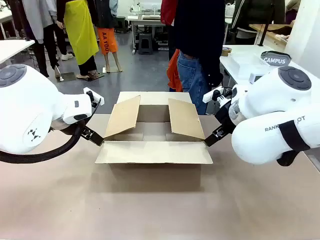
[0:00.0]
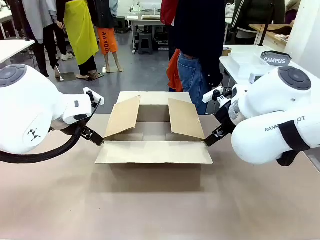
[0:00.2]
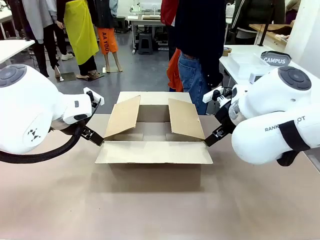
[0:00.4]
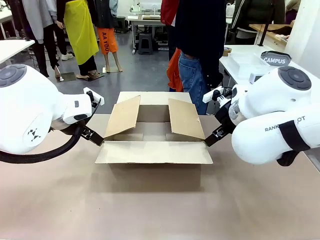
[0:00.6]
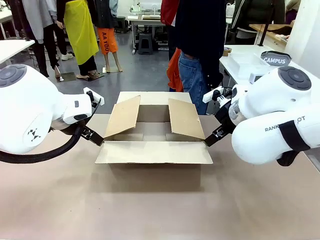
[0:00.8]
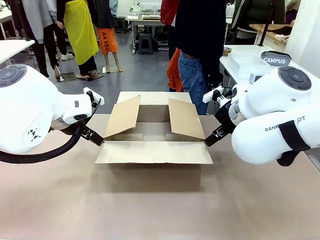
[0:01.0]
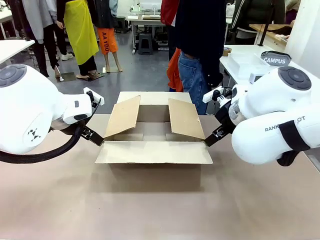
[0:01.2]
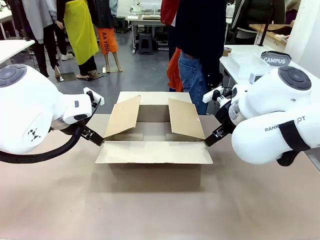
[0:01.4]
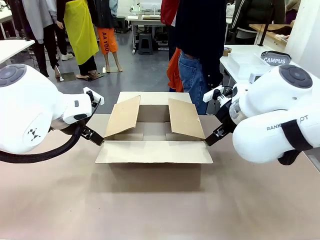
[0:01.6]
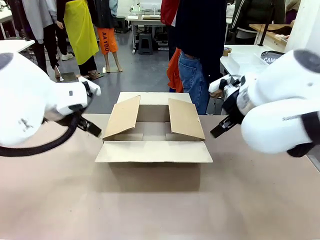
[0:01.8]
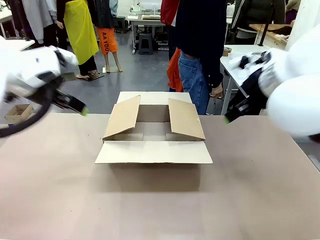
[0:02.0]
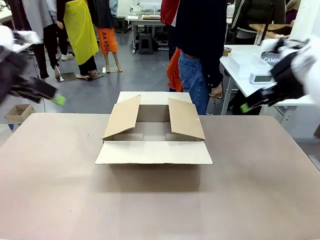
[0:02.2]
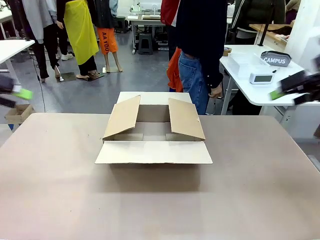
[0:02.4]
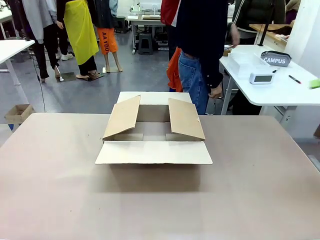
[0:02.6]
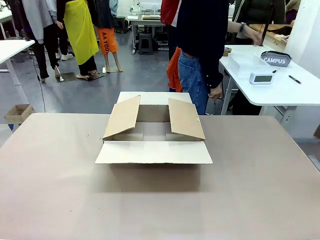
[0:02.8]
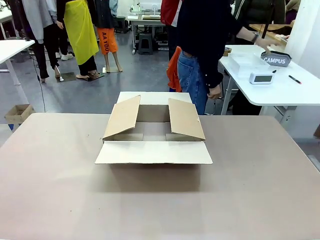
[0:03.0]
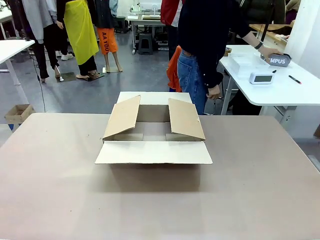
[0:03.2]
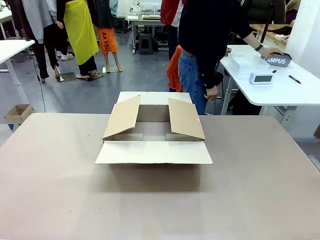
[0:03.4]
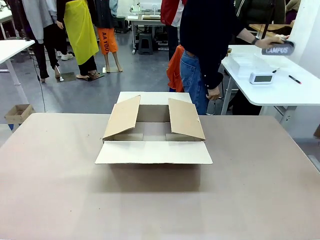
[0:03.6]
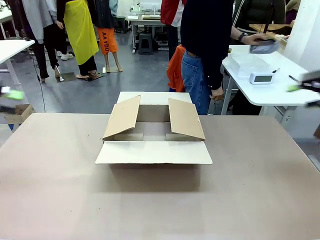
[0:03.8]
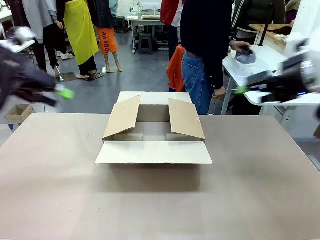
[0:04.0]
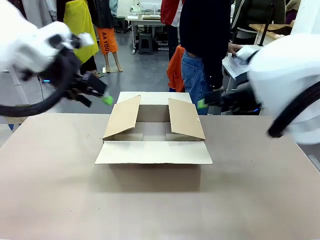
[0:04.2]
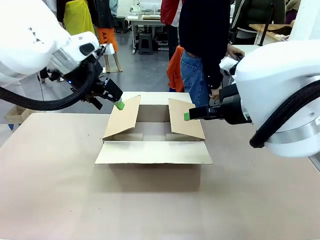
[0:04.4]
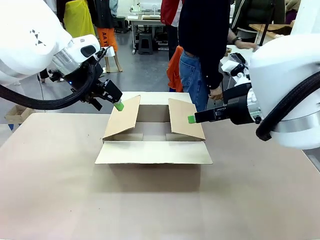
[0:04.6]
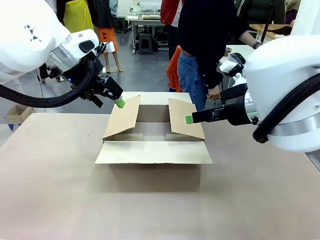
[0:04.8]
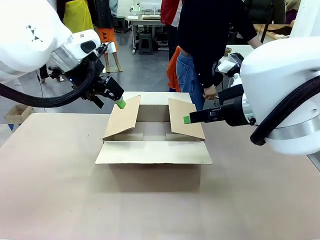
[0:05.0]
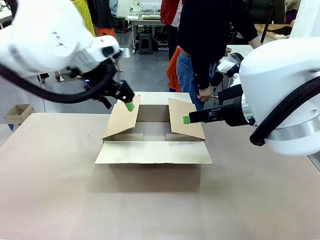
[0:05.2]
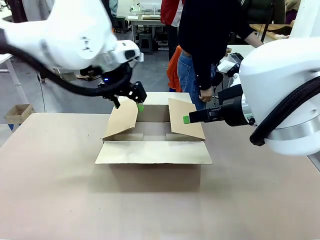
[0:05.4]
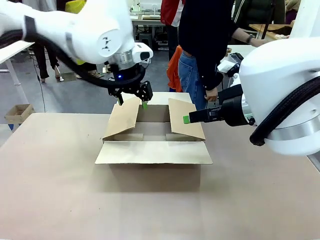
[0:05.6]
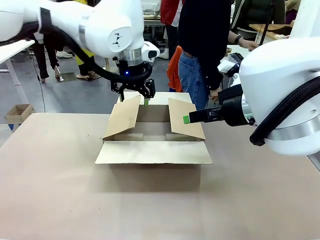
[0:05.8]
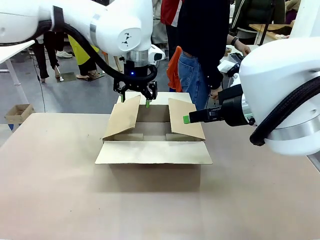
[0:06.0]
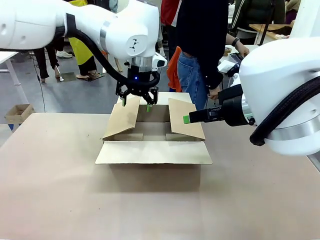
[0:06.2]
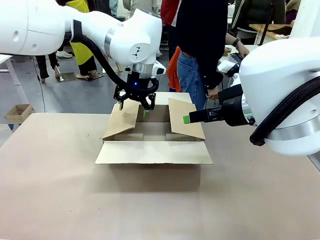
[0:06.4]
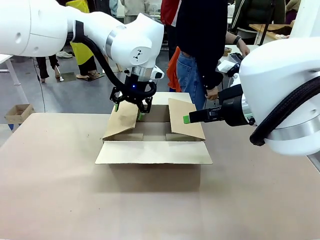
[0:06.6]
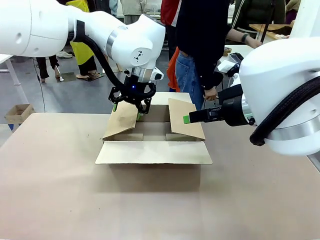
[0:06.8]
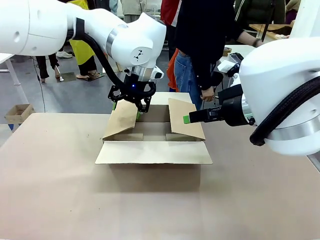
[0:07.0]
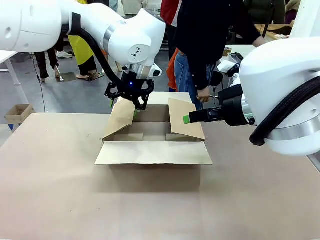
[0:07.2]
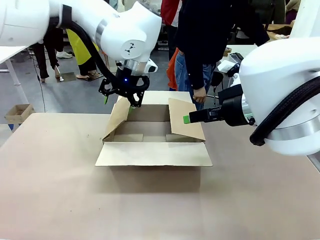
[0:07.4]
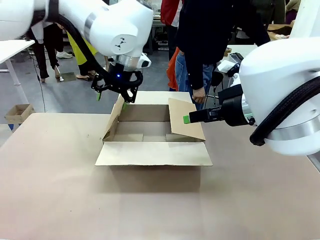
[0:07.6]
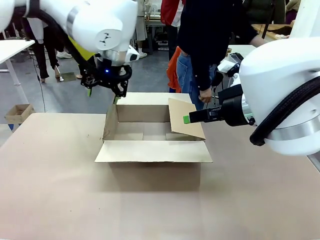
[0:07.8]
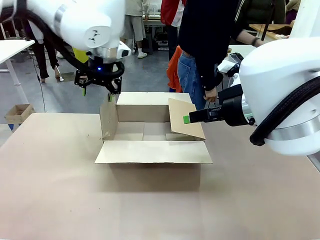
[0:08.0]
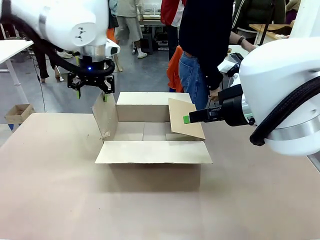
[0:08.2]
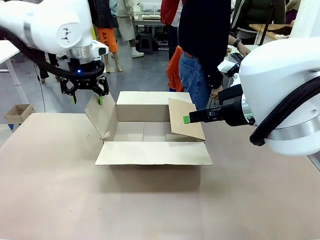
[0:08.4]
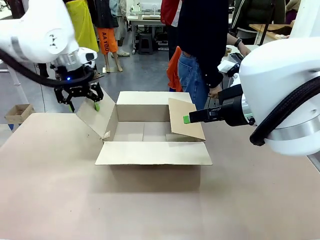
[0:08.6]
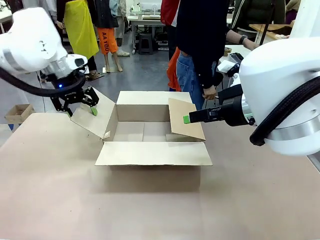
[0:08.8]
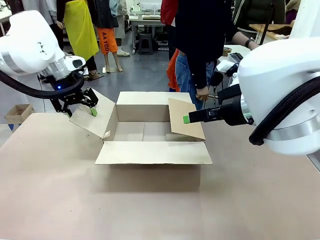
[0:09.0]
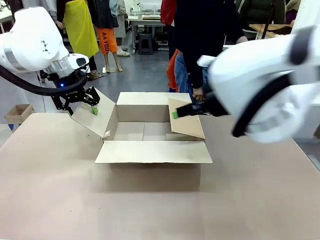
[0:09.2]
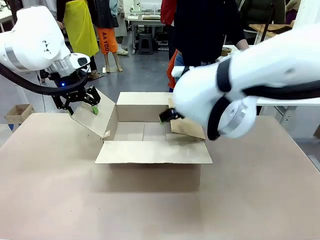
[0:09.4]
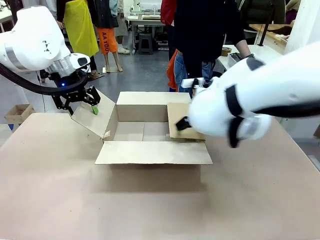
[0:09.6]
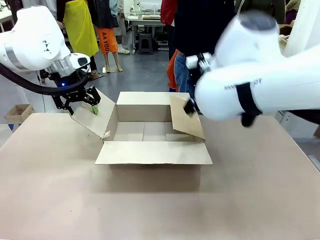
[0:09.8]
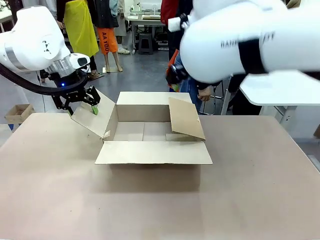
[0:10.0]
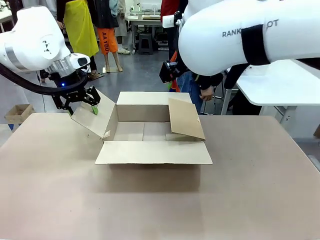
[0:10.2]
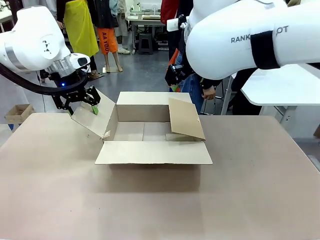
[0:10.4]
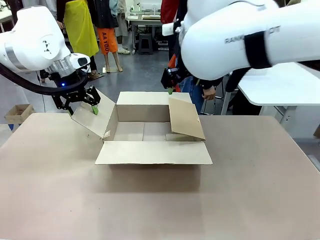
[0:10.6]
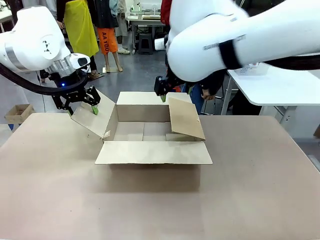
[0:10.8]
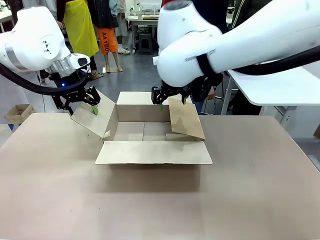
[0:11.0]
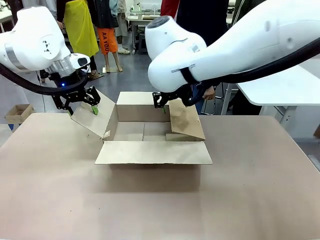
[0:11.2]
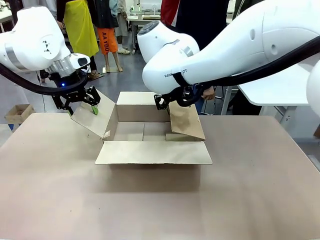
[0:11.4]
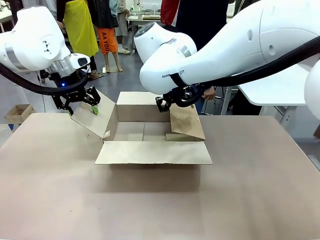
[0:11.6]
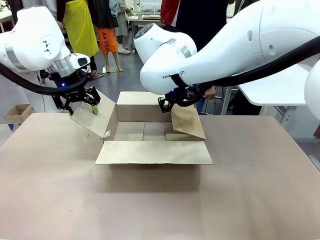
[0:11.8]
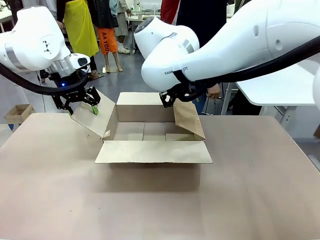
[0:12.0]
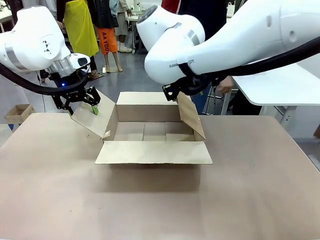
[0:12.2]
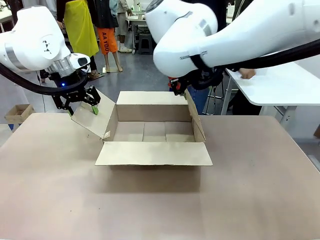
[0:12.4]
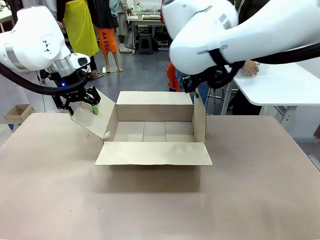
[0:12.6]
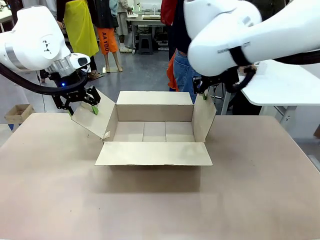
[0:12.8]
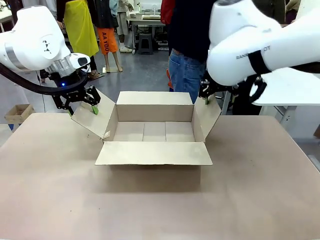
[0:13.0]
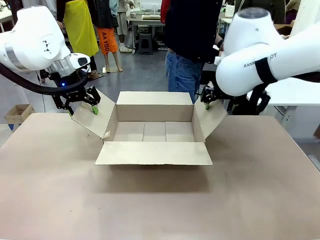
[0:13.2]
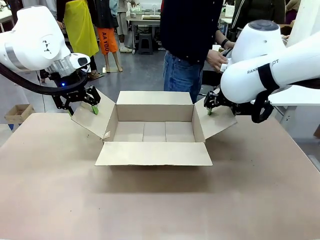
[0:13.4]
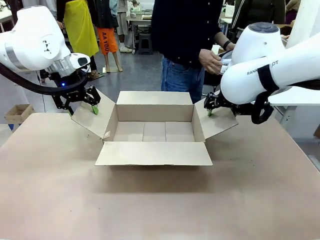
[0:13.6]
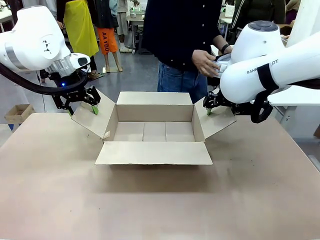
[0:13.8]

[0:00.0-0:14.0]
Task: Pack the gift set into the box.
Robot: Place both hands on the side flaps of the Package Box and spread them outward.
Person: The human places all items except the paper tape into the organizing basket.

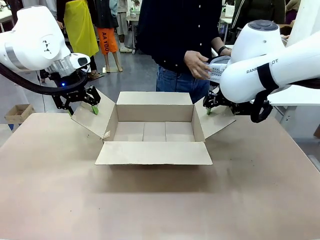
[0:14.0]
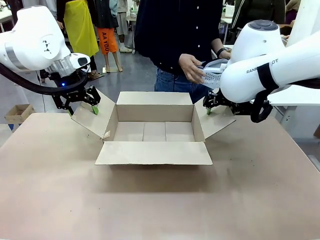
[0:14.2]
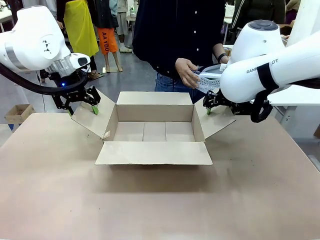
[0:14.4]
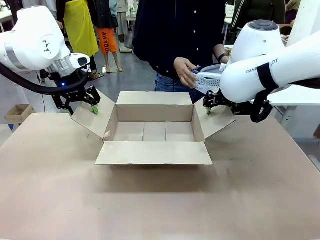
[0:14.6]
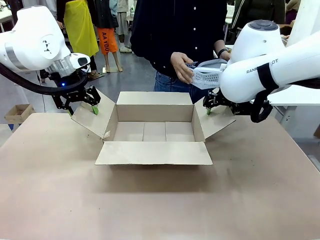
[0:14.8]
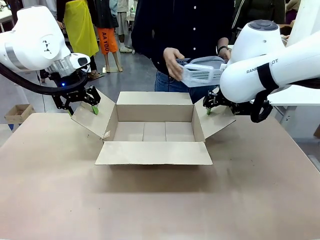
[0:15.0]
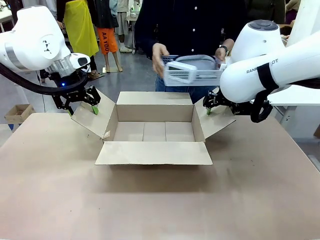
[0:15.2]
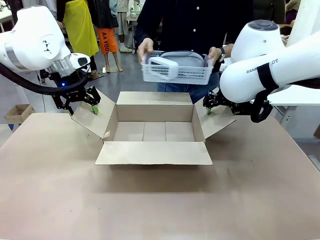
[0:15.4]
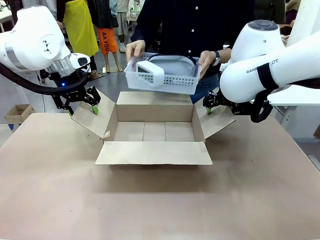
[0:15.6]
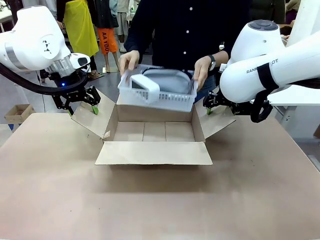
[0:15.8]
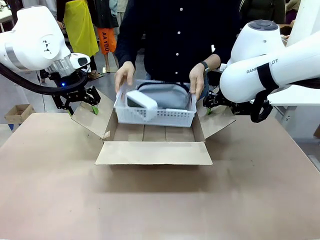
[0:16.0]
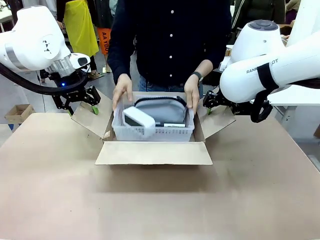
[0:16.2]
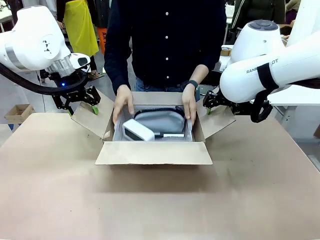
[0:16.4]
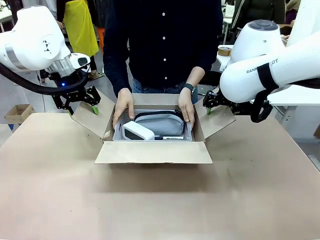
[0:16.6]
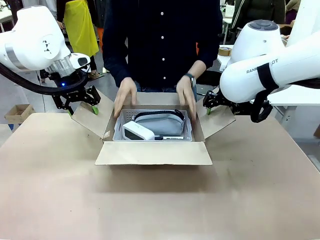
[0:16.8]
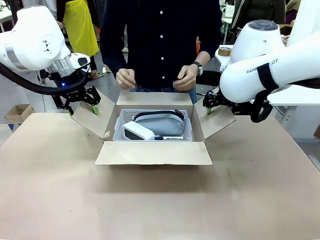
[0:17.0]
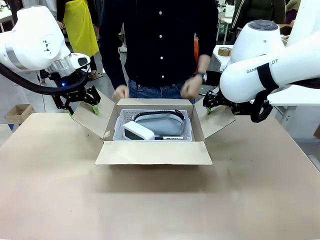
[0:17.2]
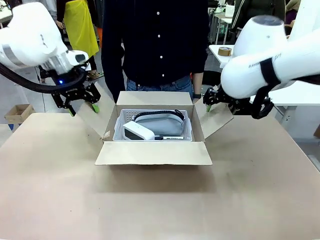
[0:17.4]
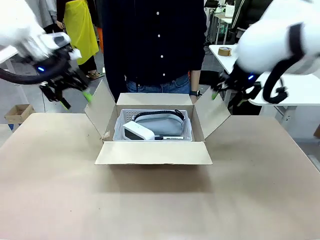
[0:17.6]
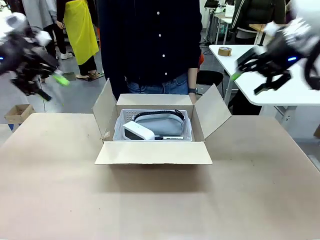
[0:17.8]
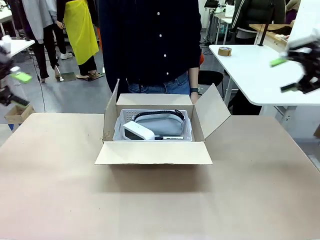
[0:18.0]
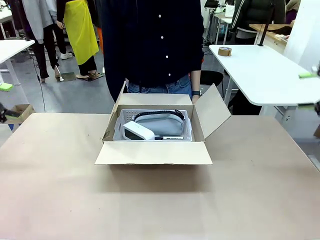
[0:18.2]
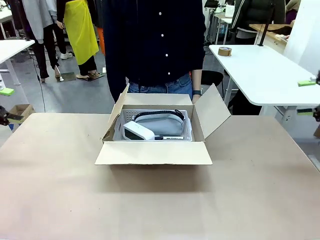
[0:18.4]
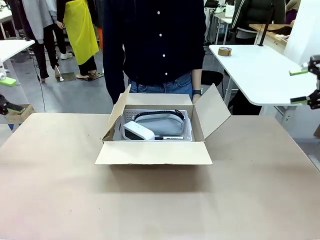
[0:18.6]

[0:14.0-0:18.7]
Robot: Lift both hands away from the flaps of the Package Box.
Person: The human picks up the organizing basket and places the organizing basket into the package box on the robot table.
